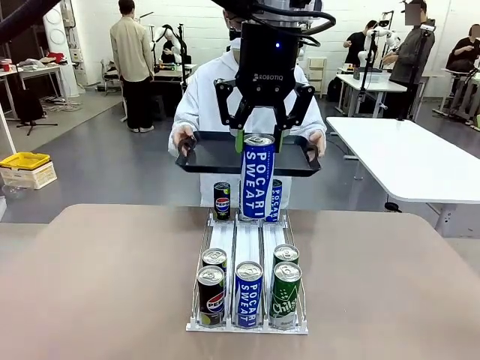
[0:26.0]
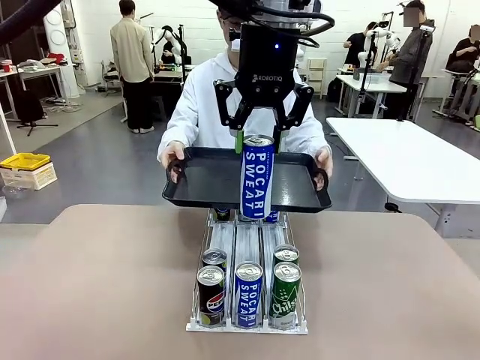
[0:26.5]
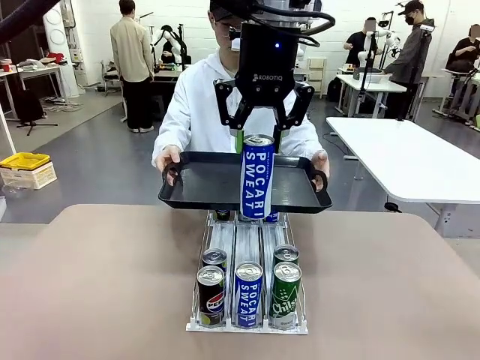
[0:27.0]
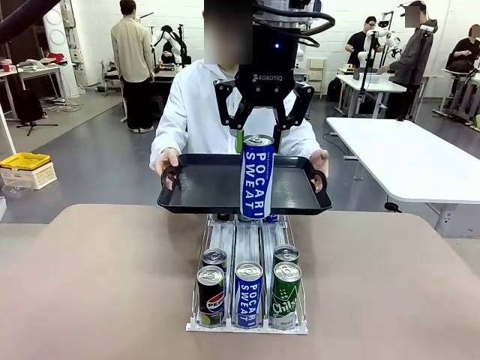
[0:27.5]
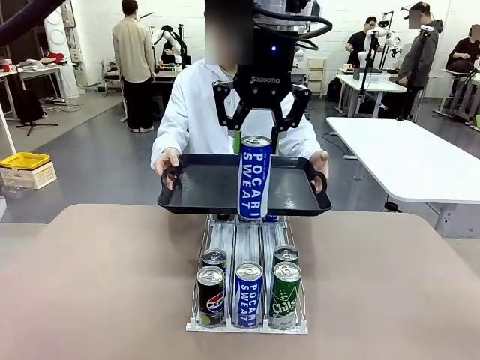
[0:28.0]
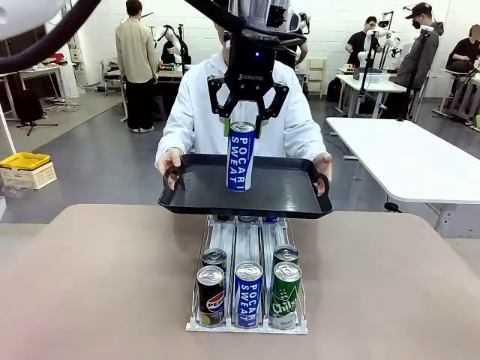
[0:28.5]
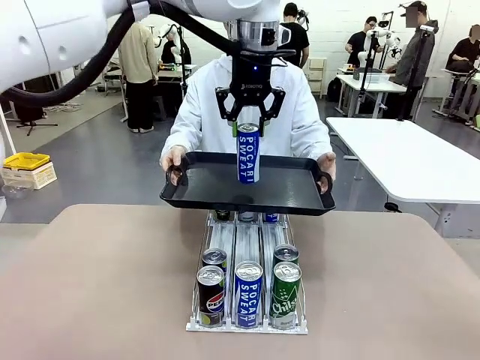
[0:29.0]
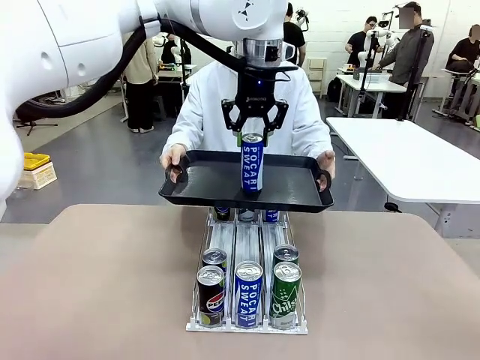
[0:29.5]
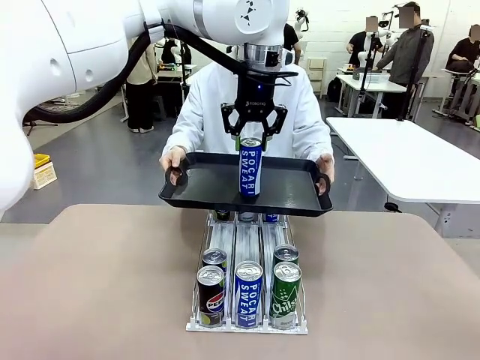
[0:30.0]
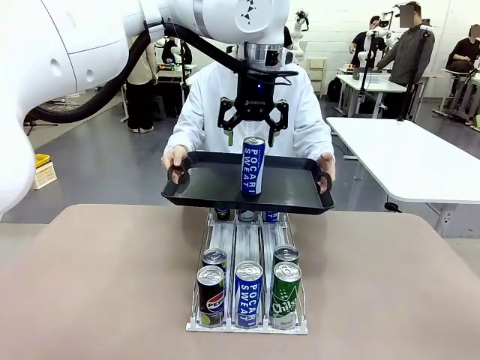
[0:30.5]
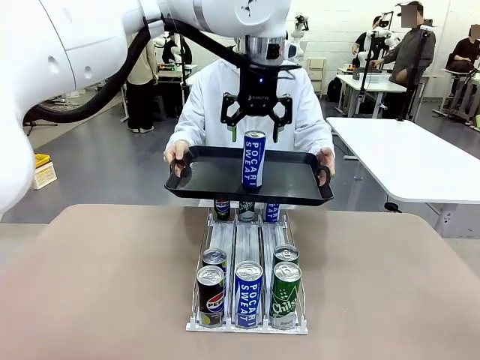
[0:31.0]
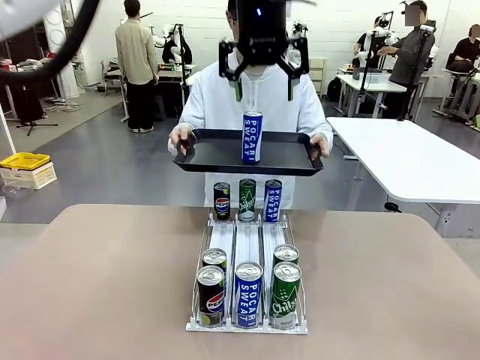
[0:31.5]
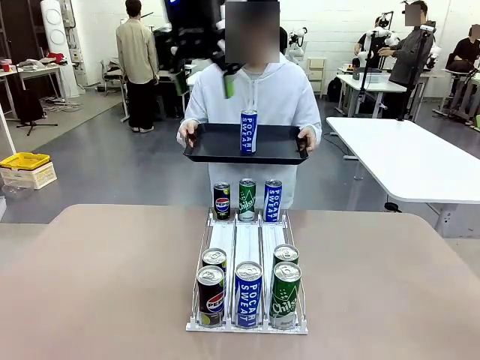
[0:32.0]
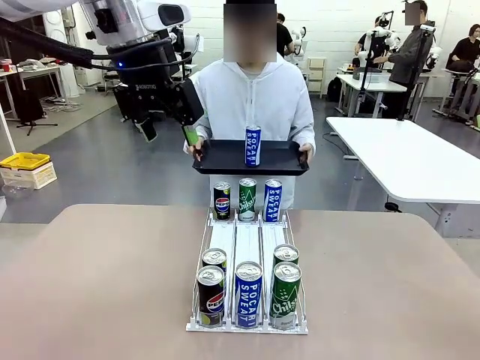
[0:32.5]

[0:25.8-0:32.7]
Task: Retrieve and hand over the desired beverage to the person.
Robot: Place the picked can on the Handle tray extended by the person.

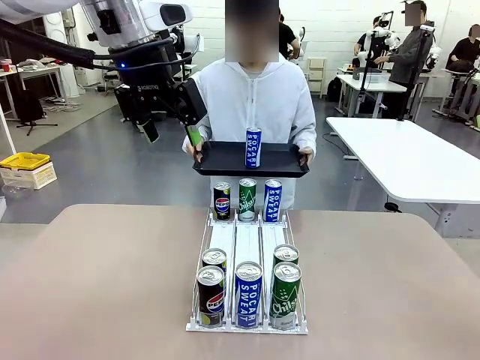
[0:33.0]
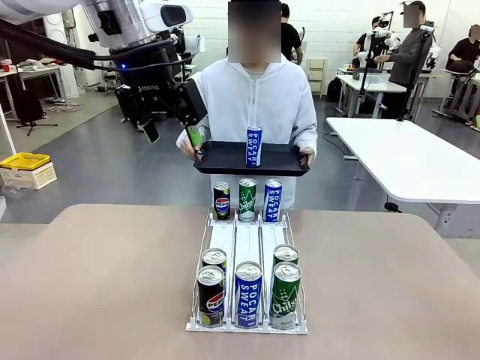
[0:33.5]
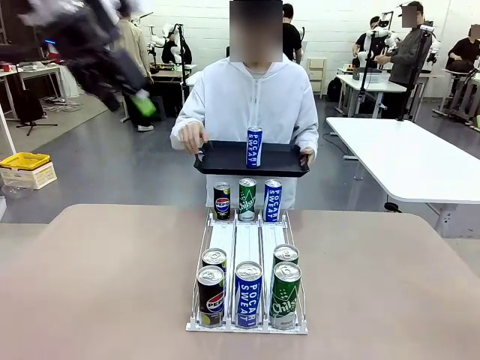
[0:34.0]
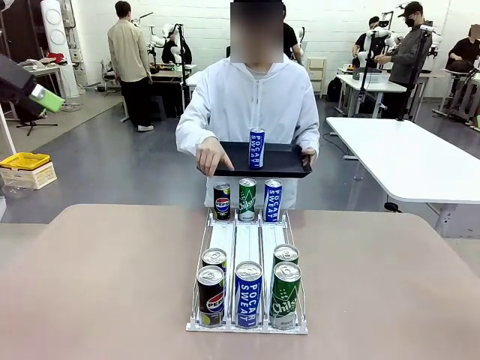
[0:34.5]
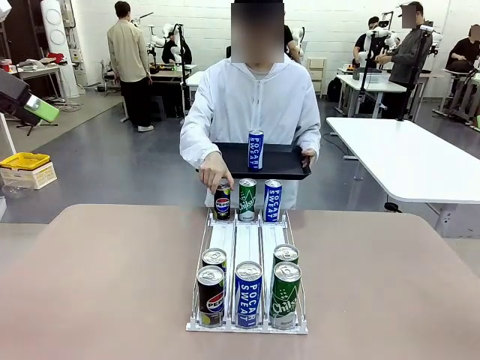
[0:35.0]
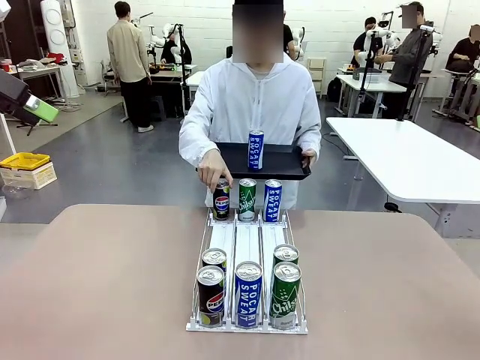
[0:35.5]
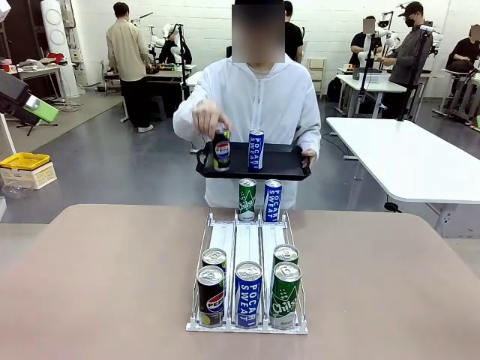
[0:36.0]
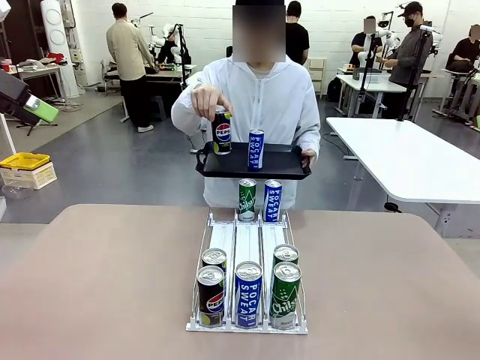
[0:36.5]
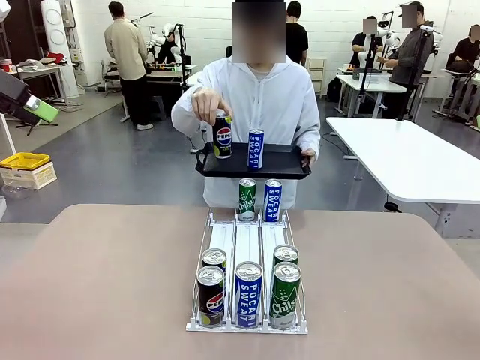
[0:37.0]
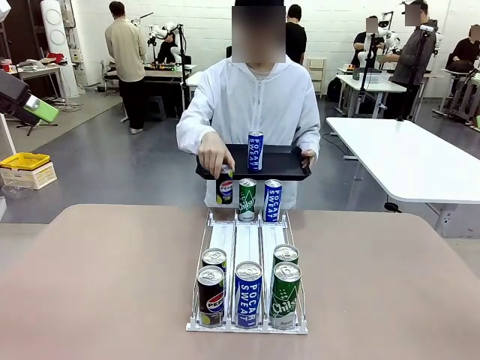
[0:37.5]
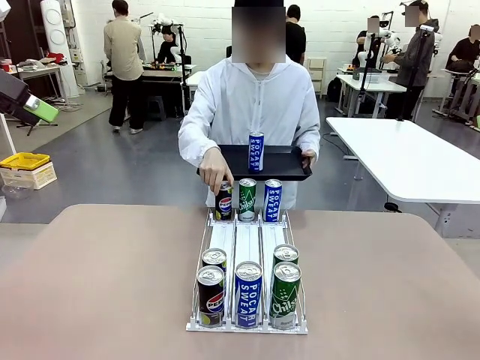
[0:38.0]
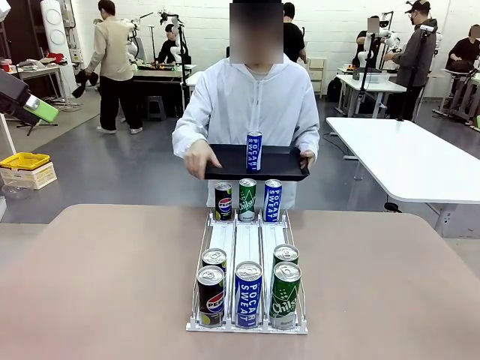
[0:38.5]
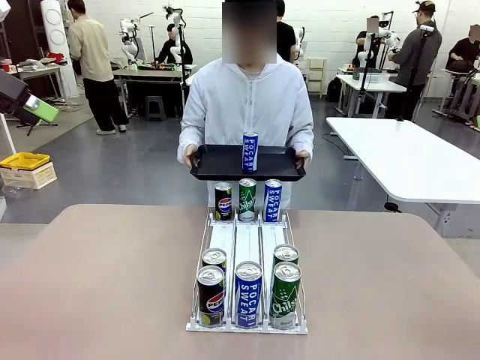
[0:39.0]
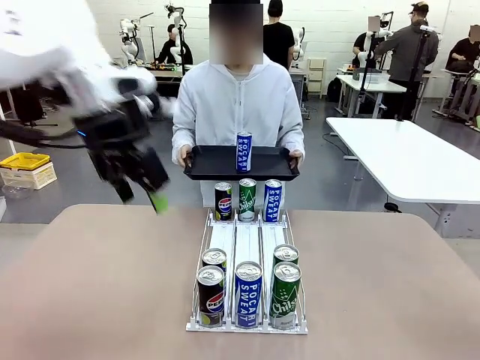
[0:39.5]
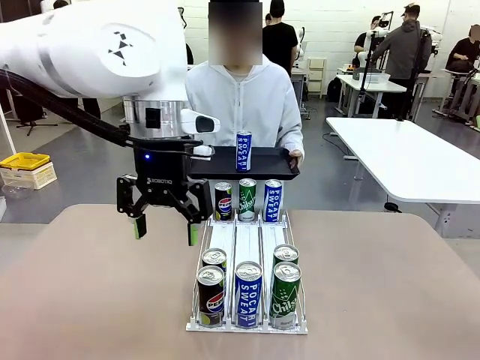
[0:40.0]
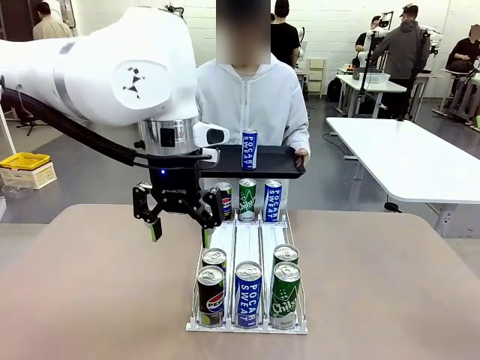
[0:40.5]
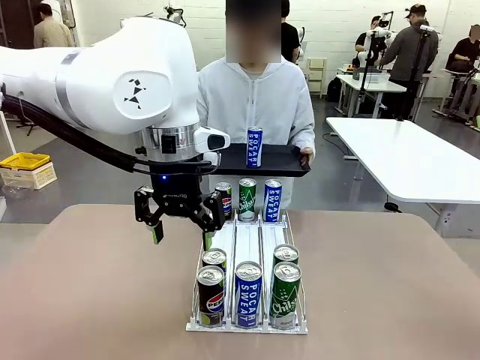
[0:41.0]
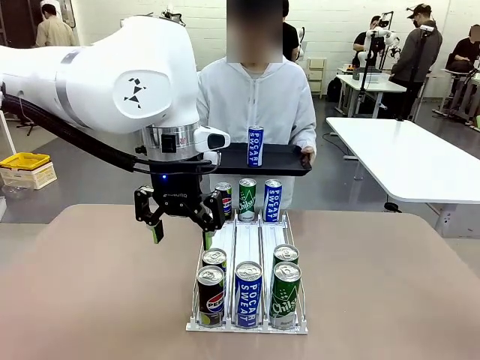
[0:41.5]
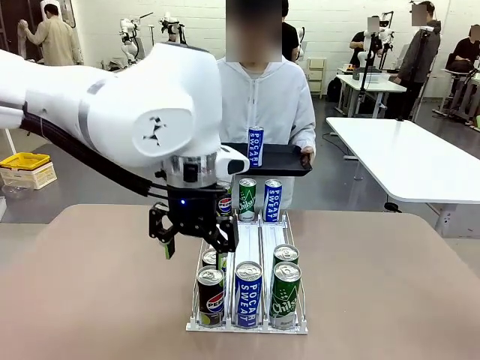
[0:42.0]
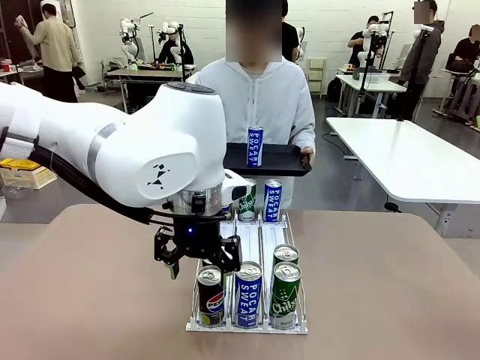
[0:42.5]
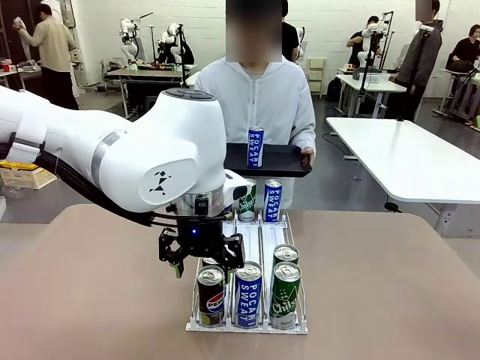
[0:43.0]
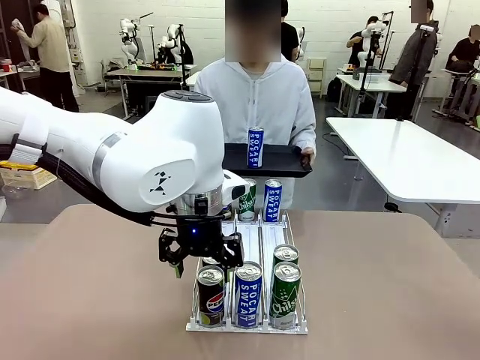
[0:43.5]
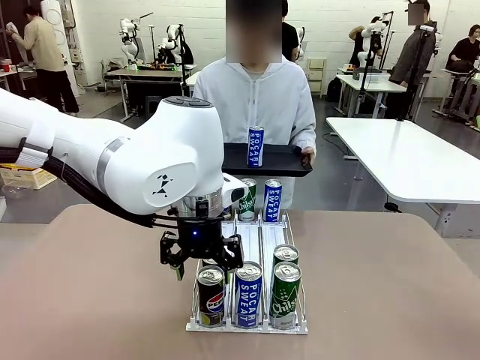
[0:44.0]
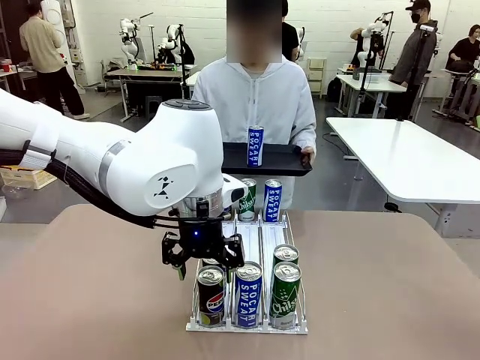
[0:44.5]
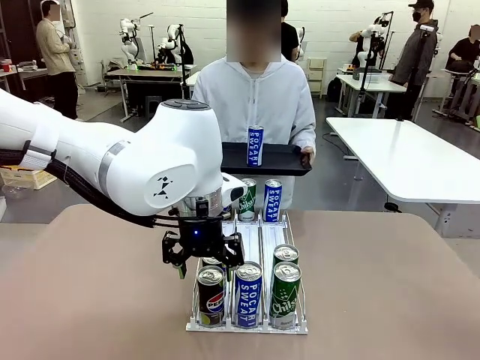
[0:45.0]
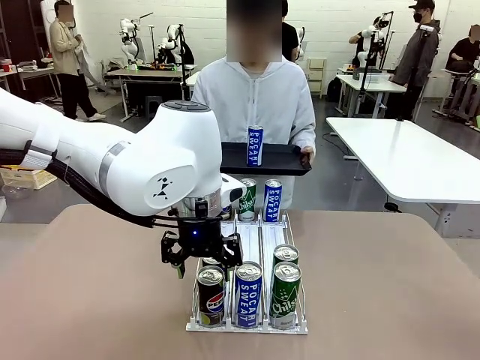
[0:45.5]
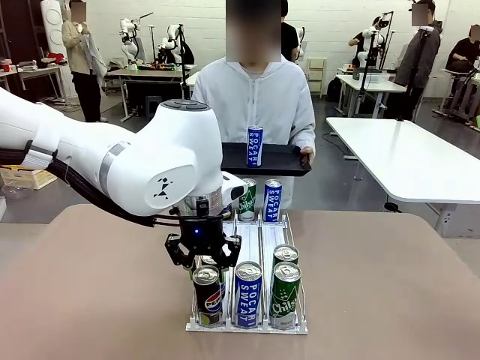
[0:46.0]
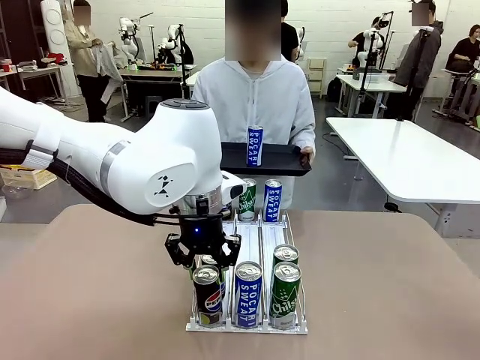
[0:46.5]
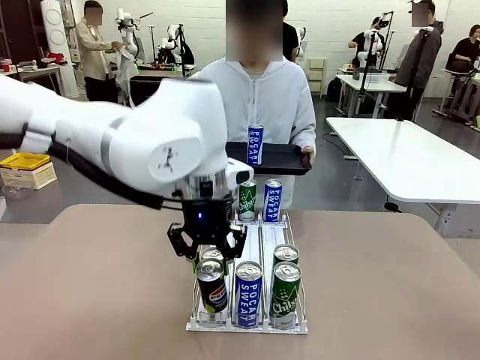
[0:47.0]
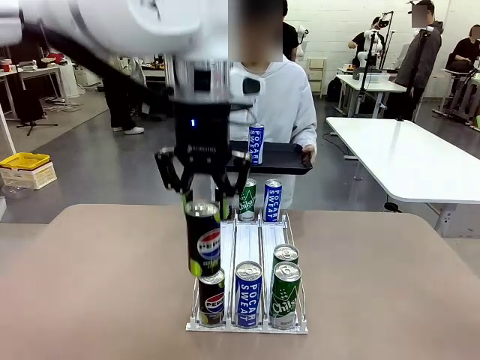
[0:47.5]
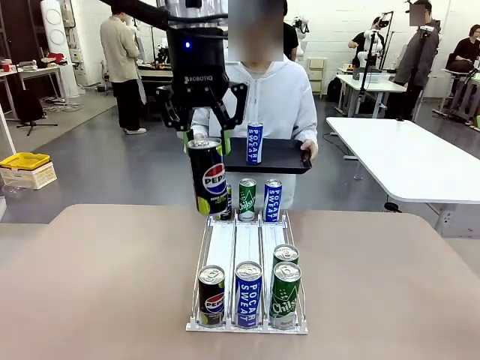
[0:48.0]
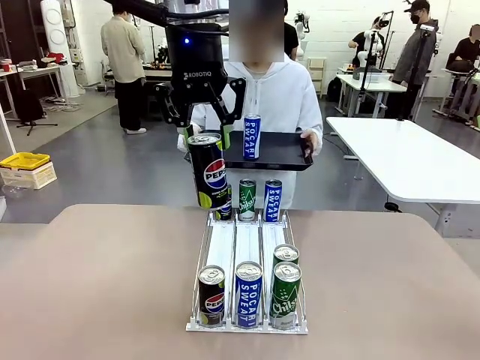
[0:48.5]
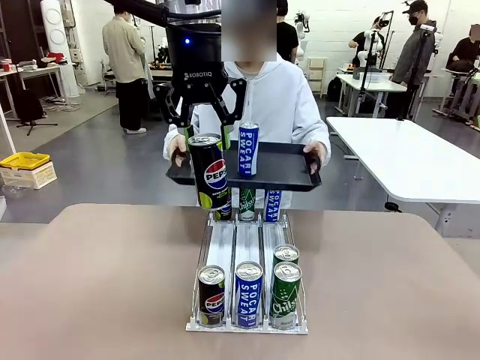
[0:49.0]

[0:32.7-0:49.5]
Robot: Pick up another can of the same type that the person held from the Automatic Can Dispenser.
Person: Pull the tray back, then pick up another can from the bottom area of the table and puts it back in its original place. Push the tray toward the robot again.
